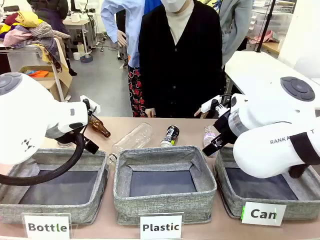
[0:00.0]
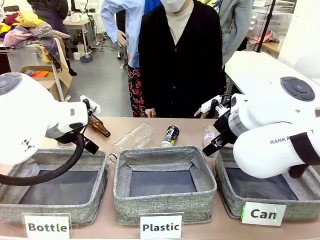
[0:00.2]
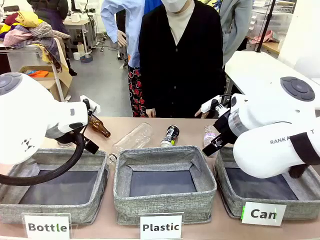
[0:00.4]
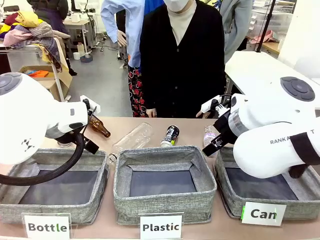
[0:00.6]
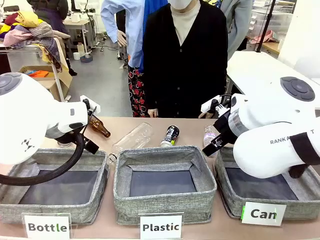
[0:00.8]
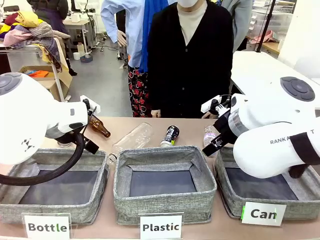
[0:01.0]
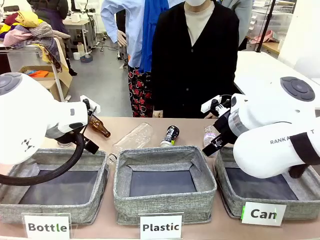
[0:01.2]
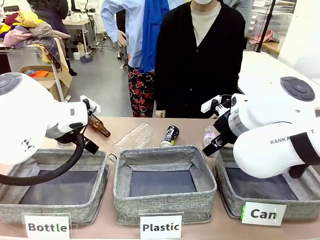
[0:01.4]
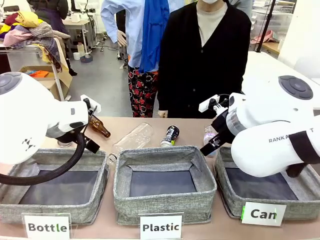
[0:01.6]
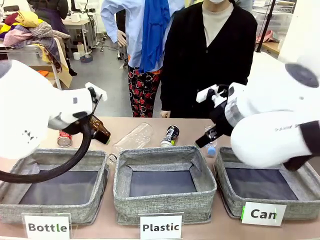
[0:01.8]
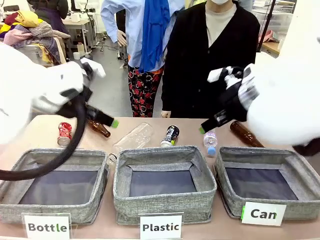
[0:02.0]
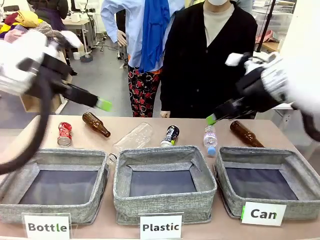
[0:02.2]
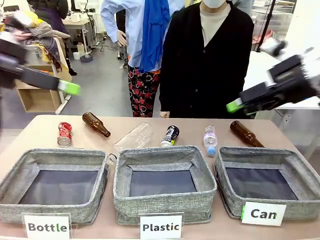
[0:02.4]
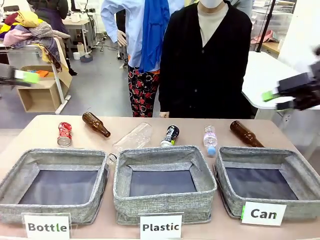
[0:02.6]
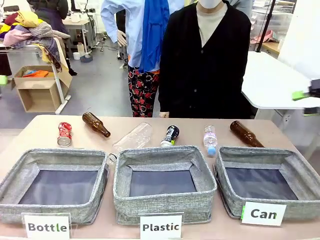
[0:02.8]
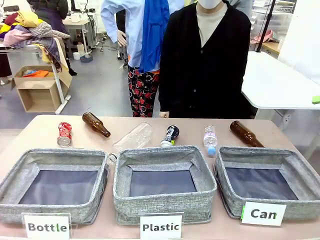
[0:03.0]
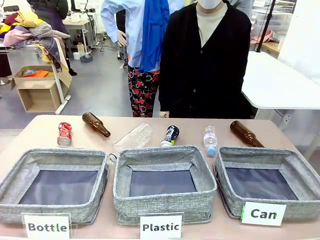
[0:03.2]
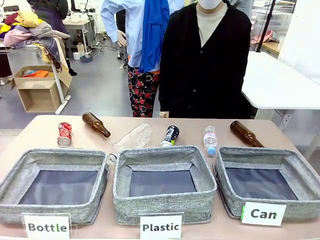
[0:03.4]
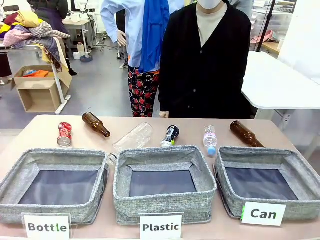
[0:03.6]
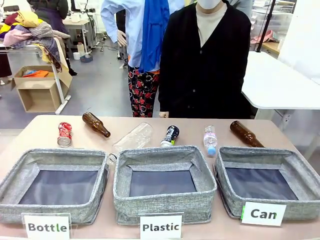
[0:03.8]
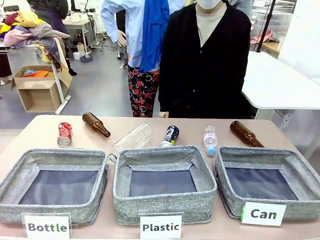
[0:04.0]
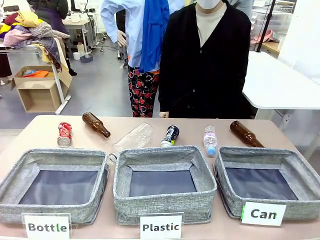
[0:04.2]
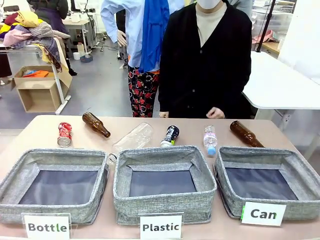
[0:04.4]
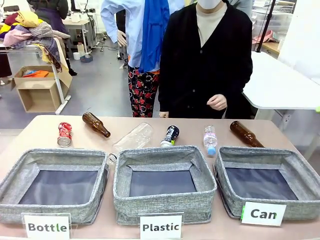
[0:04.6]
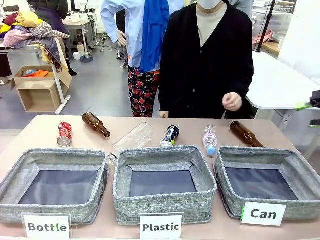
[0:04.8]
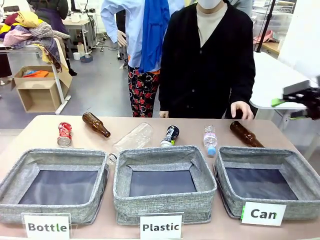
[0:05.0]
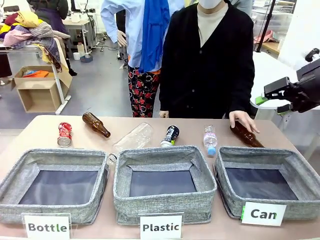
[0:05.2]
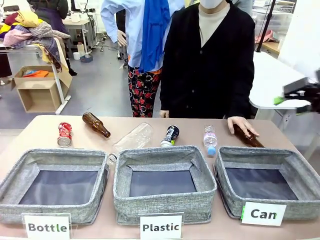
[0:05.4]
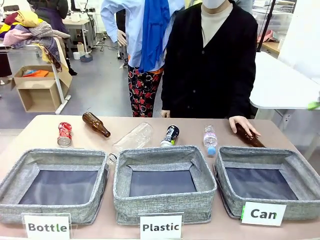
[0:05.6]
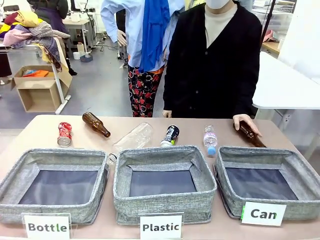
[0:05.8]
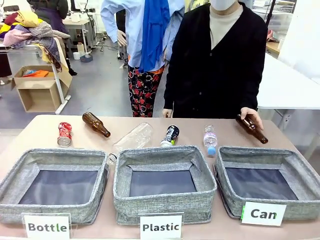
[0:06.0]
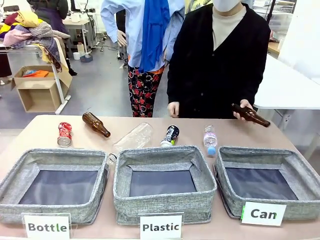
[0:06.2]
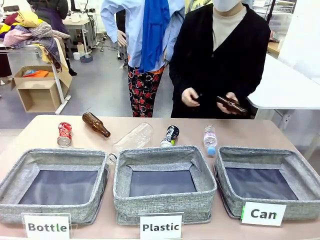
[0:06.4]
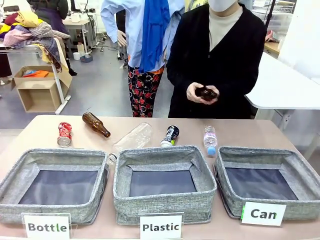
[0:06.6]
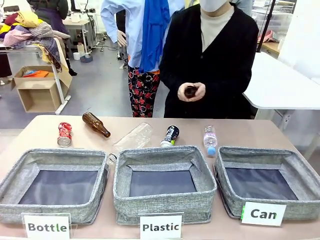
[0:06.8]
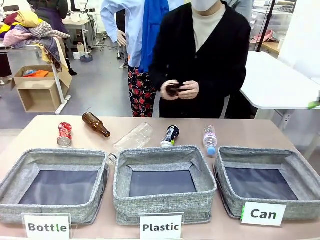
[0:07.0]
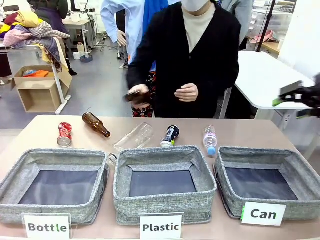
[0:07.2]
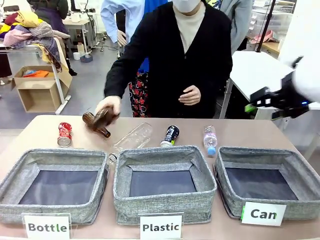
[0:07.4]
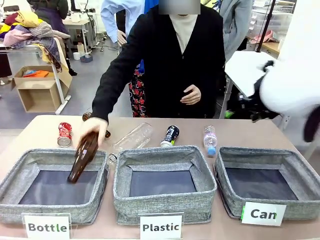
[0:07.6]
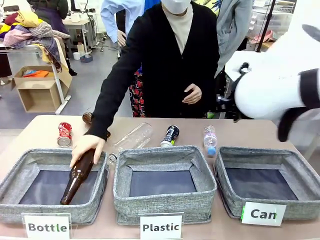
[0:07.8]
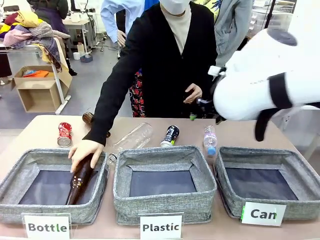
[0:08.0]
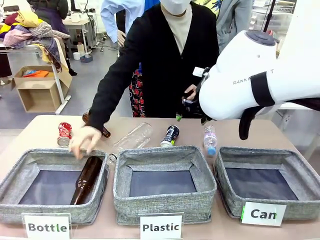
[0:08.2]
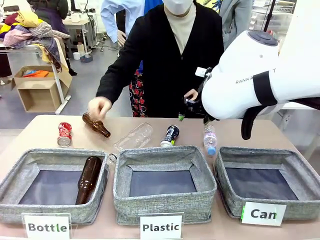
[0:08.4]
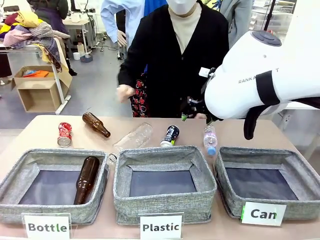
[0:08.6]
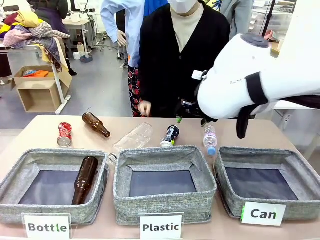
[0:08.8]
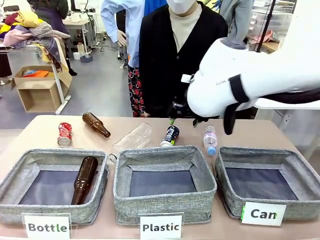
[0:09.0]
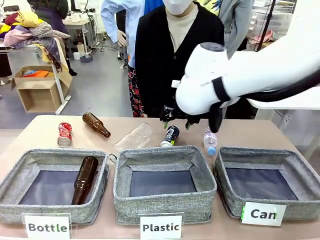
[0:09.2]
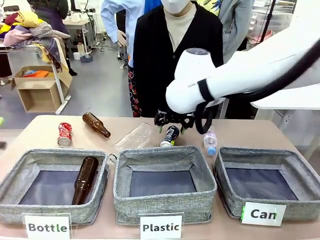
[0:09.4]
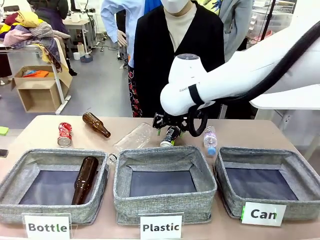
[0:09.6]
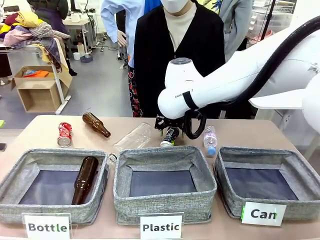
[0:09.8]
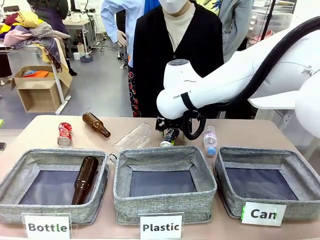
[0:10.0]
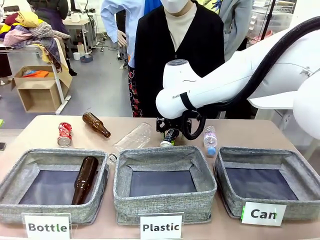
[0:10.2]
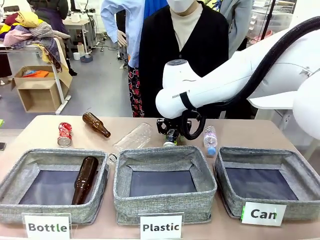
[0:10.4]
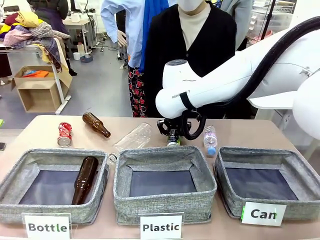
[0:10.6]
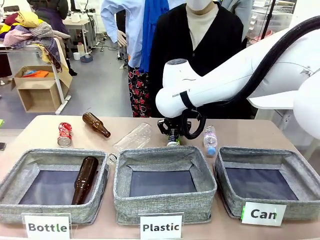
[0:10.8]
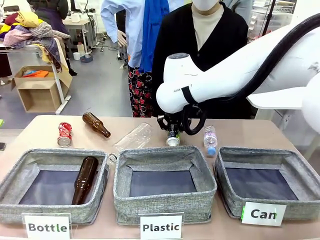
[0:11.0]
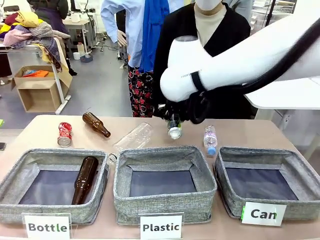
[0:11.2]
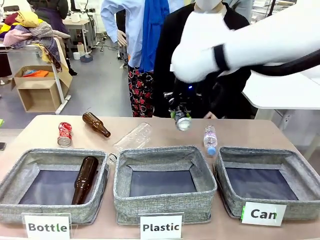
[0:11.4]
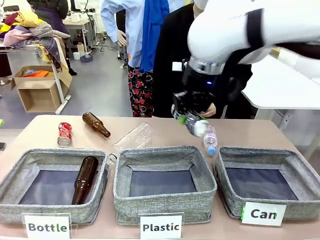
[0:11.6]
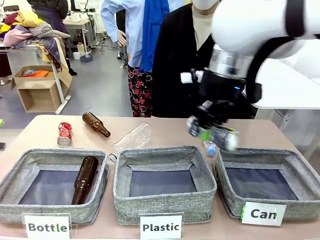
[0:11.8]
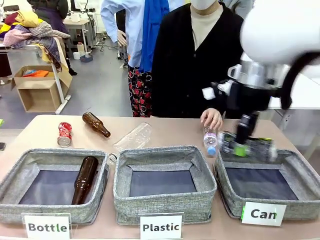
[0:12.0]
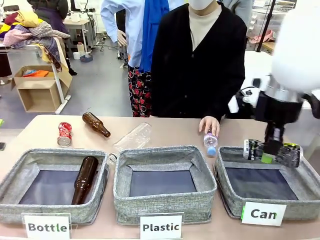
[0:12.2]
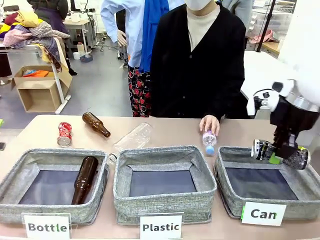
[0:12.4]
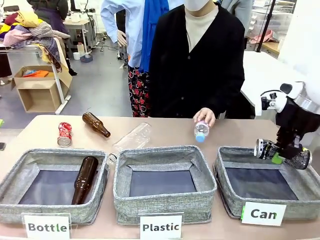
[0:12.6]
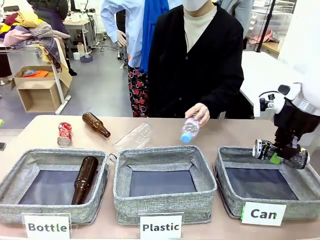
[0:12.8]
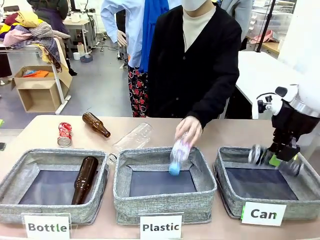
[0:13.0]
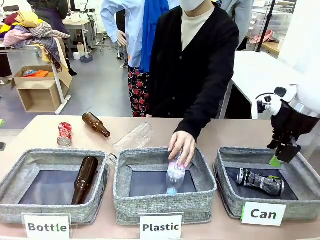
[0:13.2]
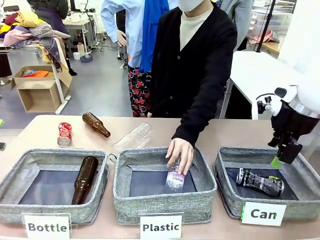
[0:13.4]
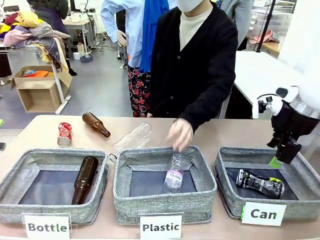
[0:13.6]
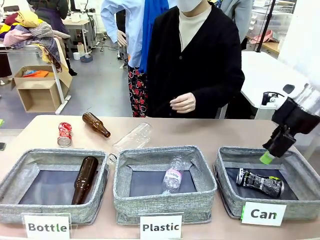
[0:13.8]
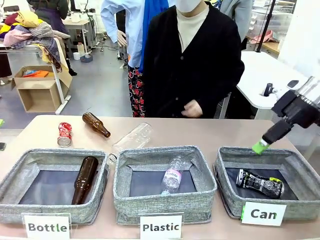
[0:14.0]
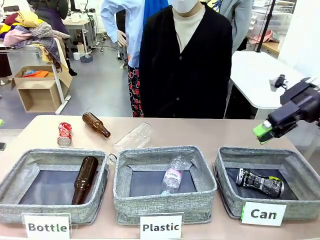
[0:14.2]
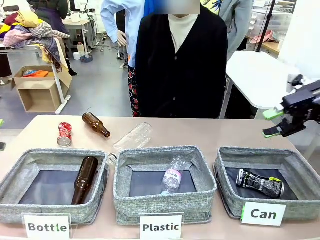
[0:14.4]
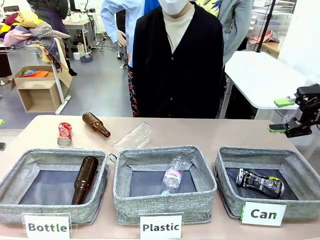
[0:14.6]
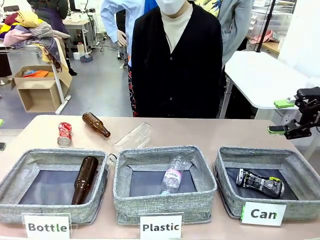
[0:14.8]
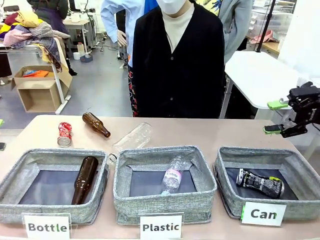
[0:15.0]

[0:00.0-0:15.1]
Task: Sort the can waste into the basket.
Robot: Pick up the can waste from the table and place it in the right Fabric basket.
